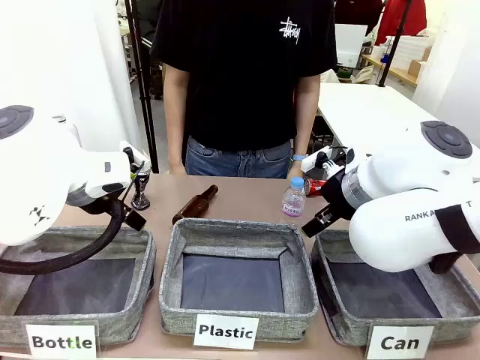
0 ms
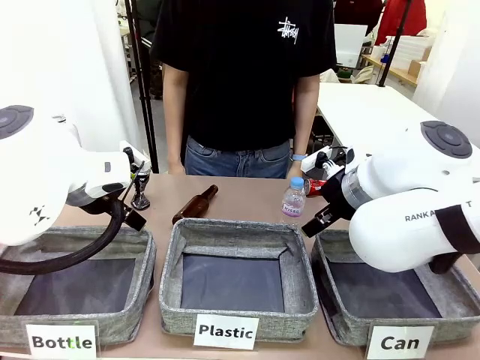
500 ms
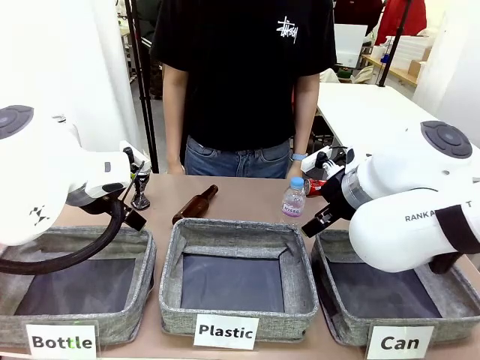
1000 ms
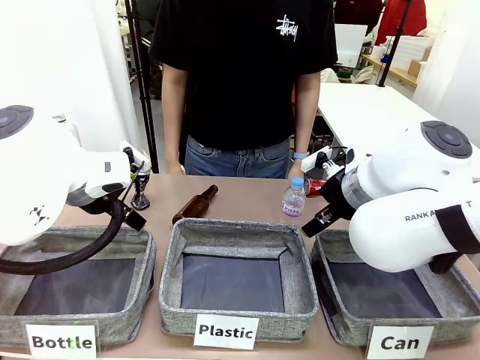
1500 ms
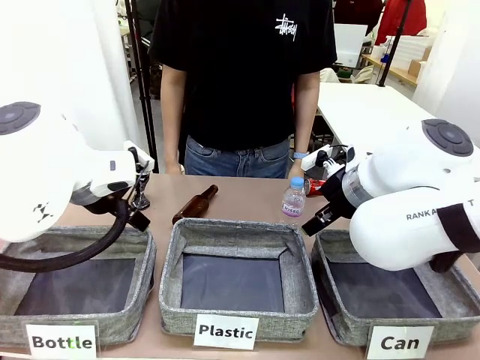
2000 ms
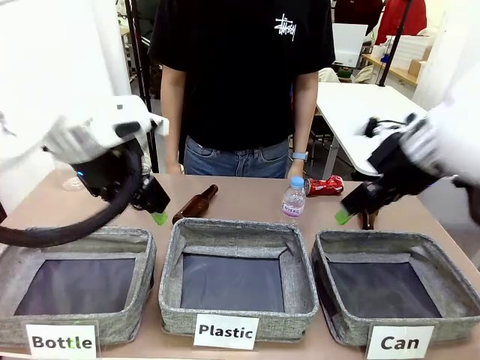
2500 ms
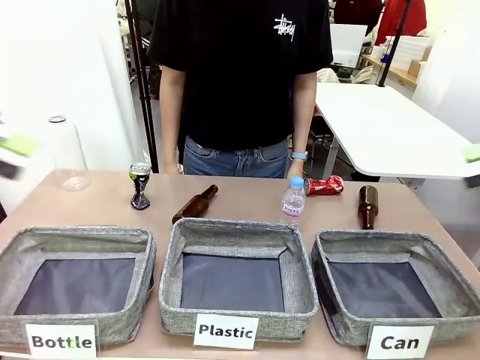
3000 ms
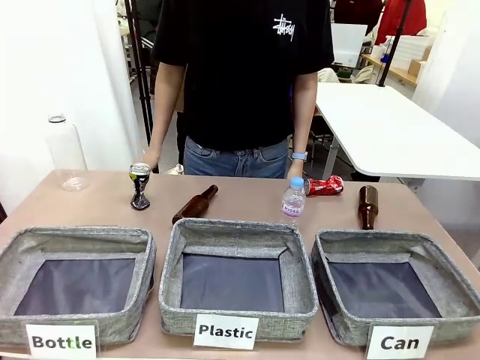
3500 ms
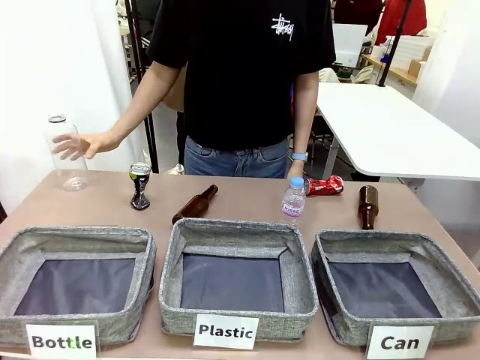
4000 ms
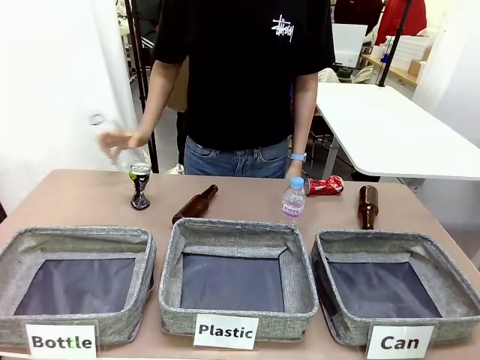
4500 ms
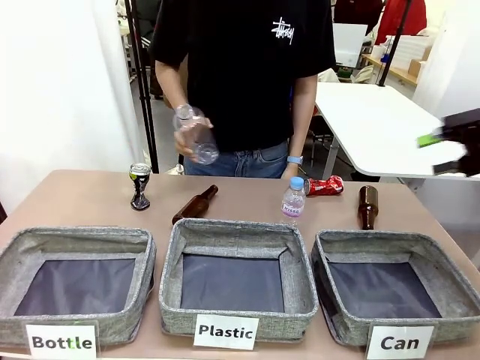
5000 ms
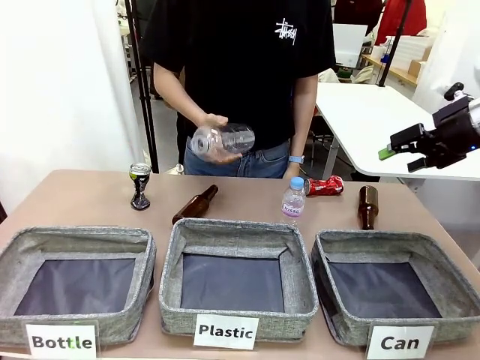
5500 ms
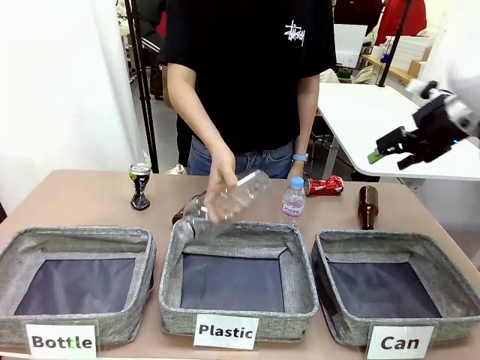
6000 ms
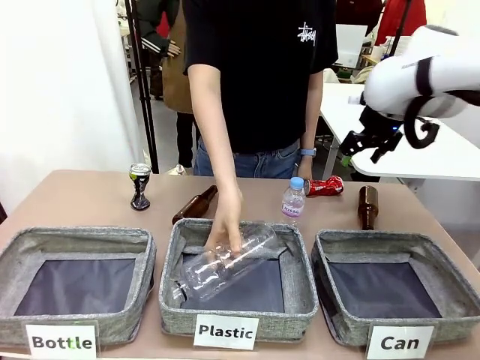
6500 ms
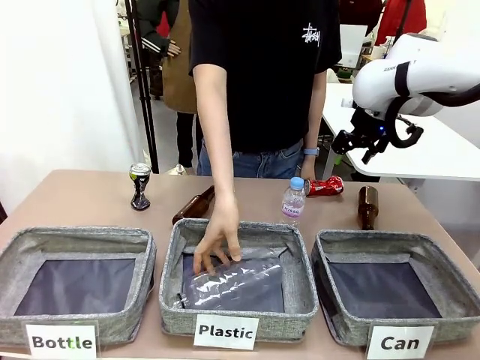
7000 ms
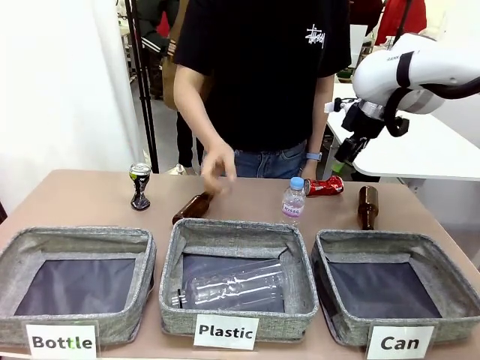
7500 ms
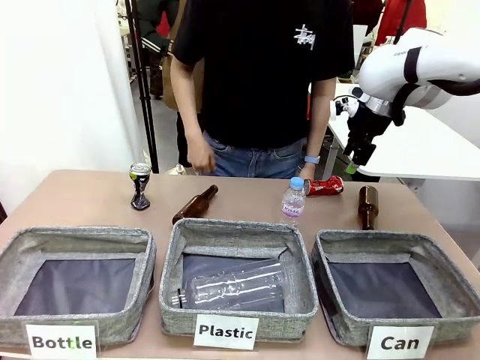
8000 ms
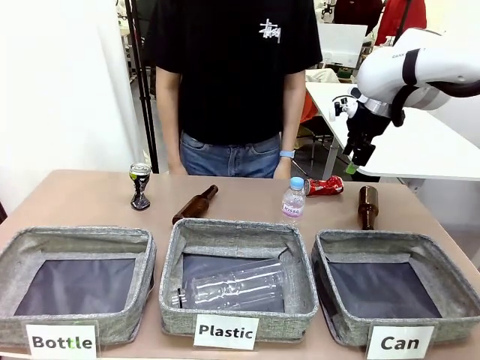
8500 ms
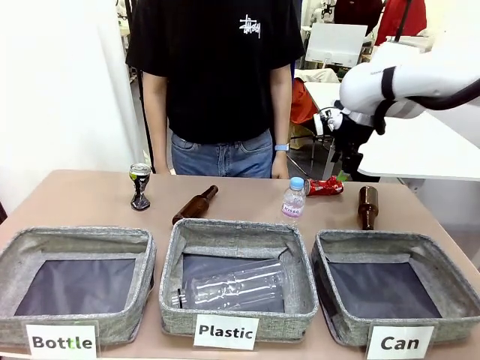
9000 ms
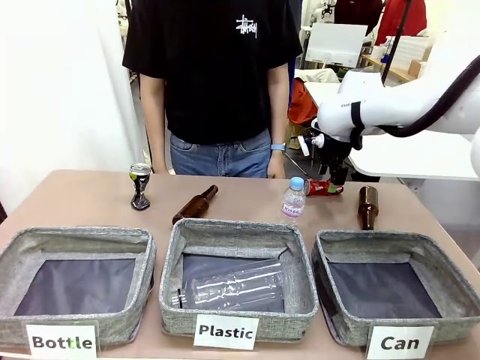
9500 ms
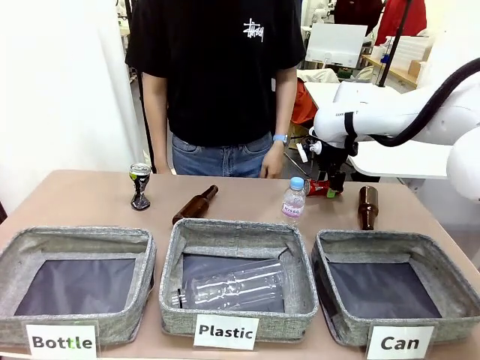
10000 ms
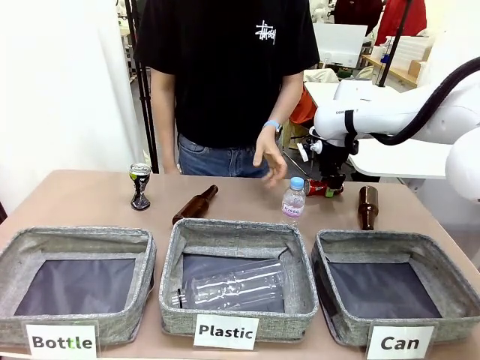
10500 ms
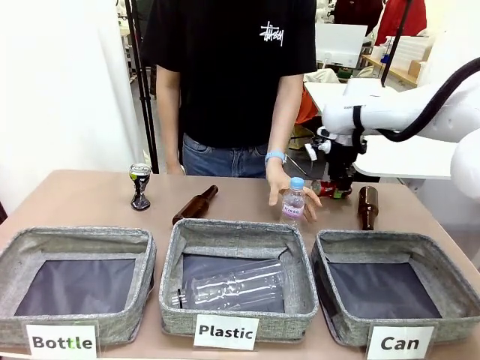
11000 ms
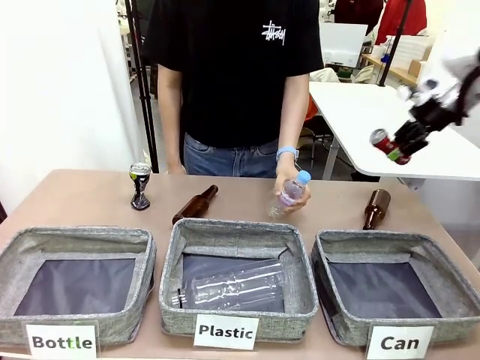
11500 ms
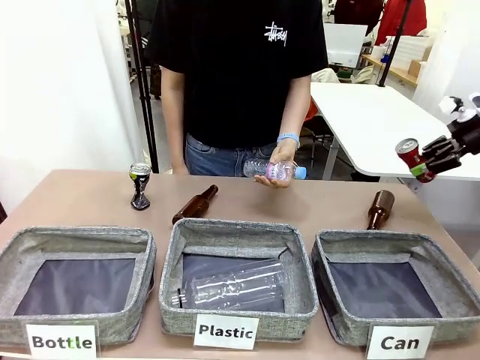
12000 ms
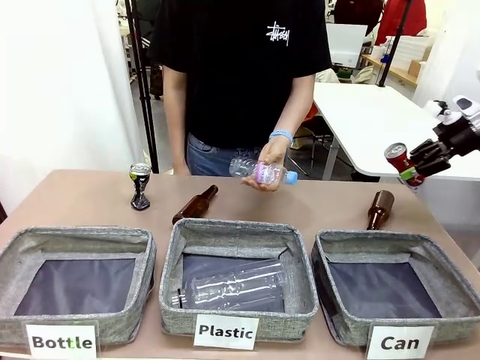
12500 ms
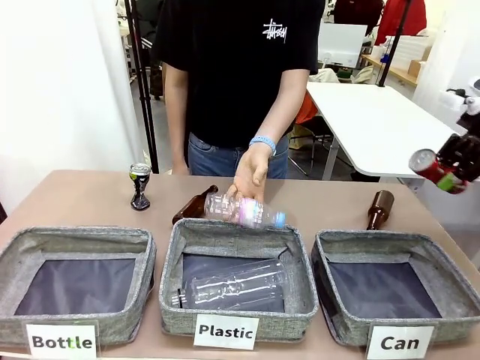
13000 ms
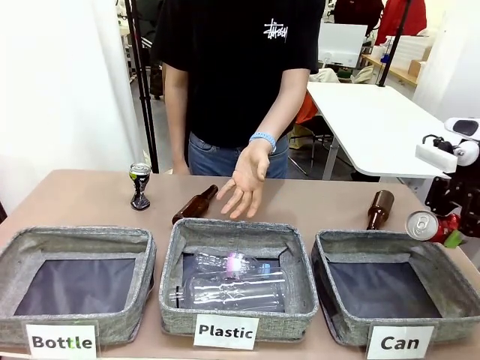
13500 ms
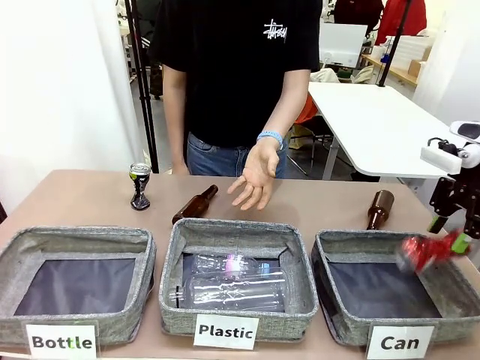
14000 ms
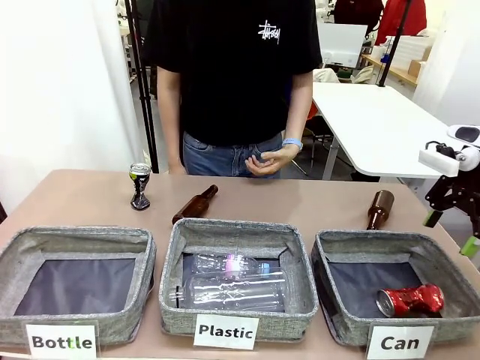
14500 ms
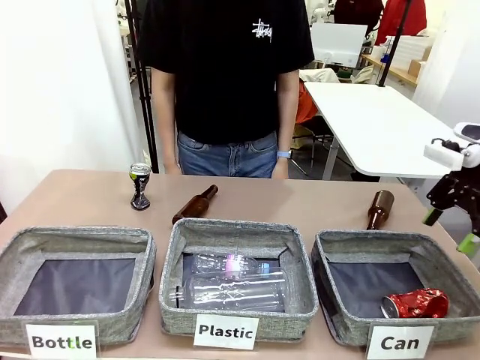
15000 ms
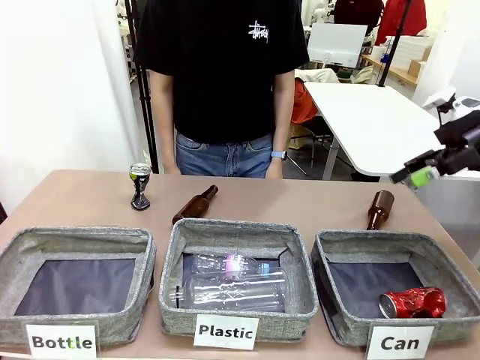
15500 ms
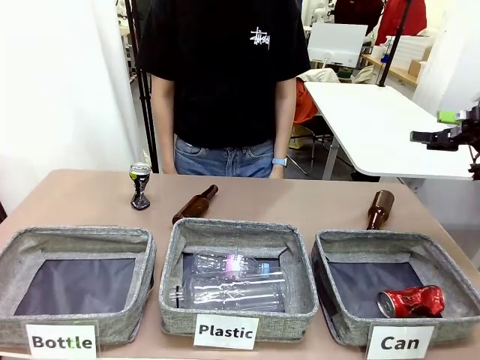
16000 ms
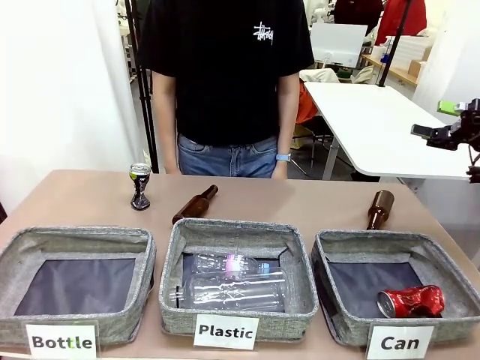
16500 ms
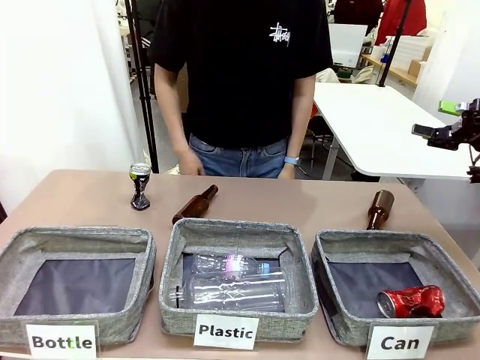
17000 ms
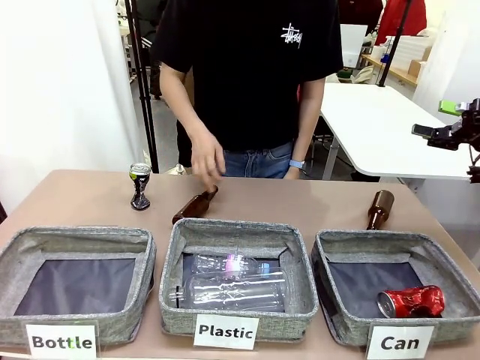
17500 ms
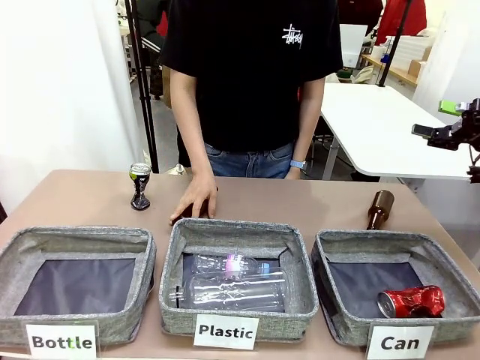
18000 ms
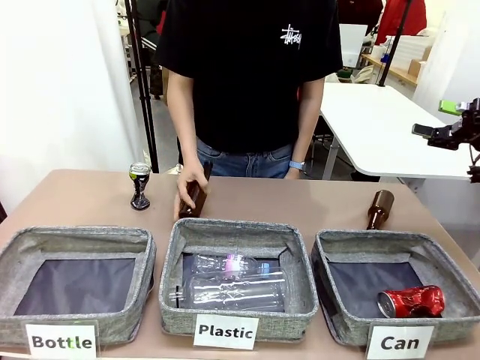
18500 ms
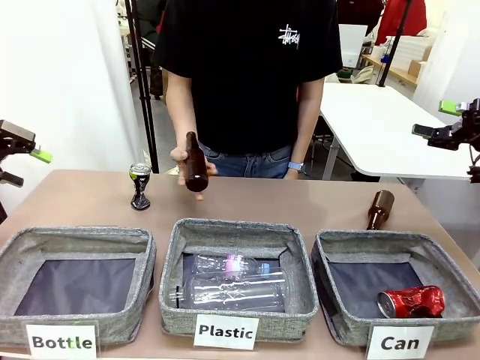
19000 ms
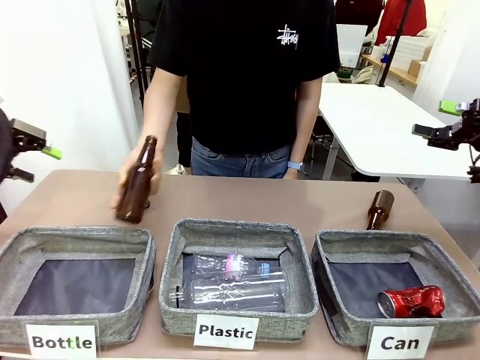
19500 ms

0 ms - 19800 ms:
Task: Sort the can waste into the basket.
Robot: Pick up the can waste from the table and place it in the right Fabric basket.
